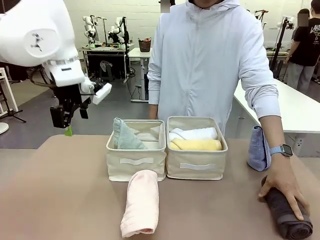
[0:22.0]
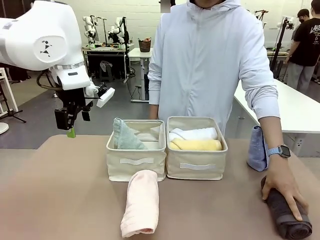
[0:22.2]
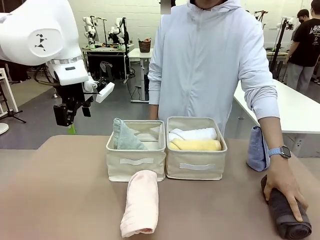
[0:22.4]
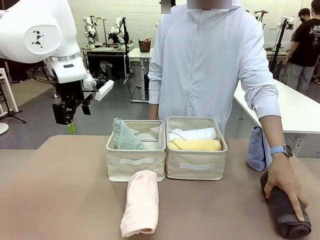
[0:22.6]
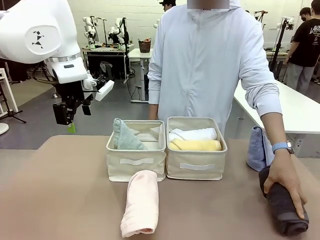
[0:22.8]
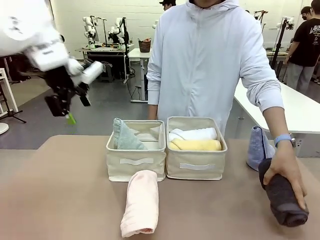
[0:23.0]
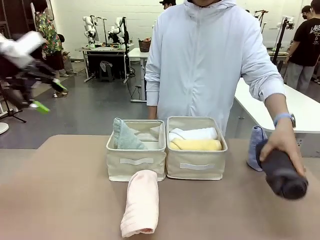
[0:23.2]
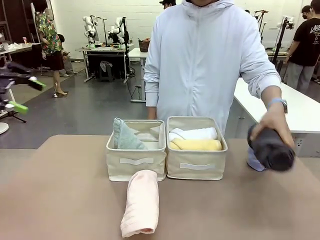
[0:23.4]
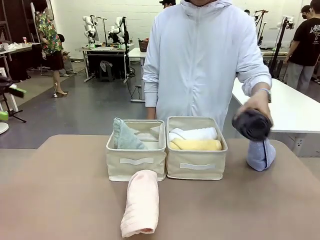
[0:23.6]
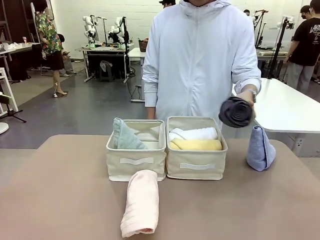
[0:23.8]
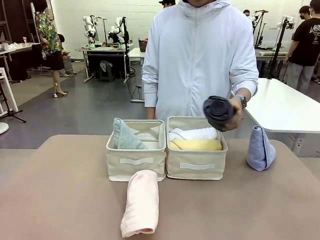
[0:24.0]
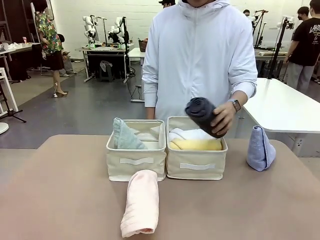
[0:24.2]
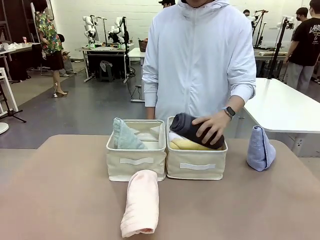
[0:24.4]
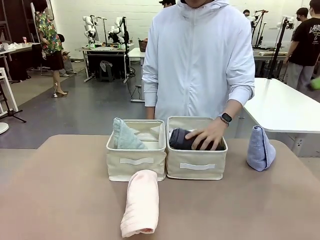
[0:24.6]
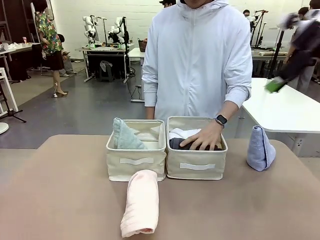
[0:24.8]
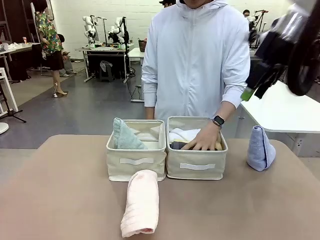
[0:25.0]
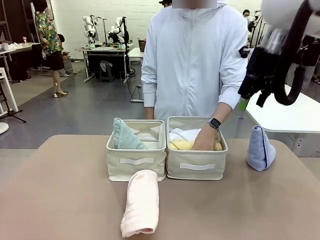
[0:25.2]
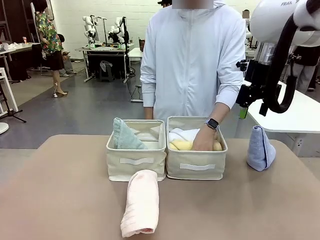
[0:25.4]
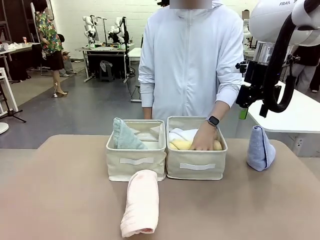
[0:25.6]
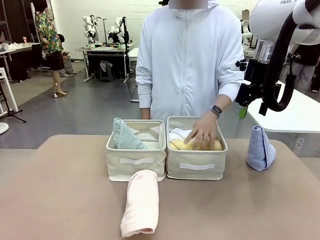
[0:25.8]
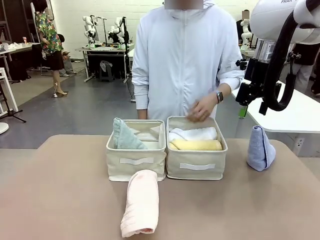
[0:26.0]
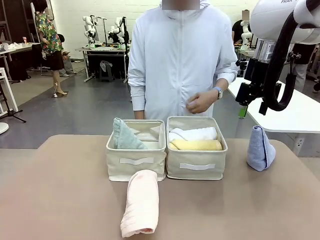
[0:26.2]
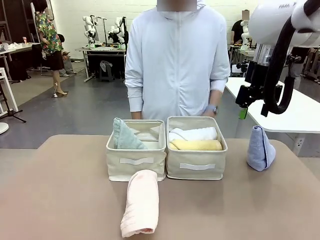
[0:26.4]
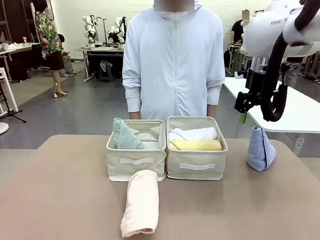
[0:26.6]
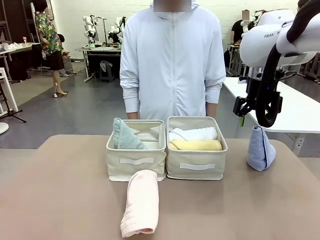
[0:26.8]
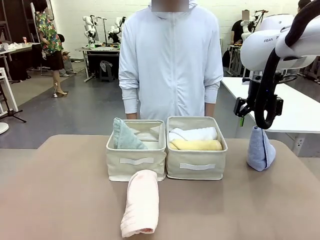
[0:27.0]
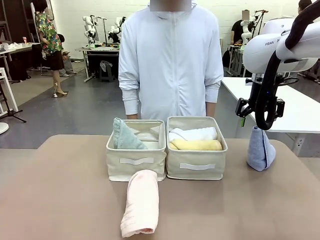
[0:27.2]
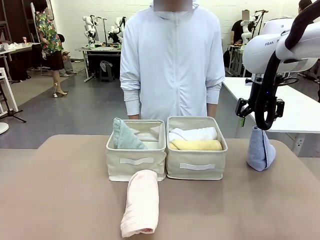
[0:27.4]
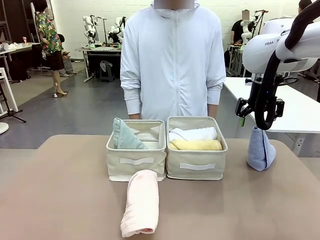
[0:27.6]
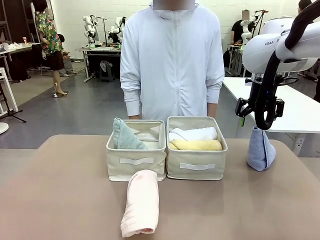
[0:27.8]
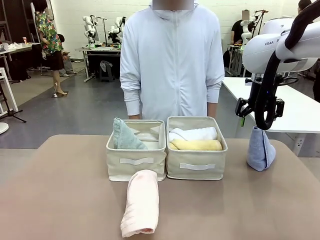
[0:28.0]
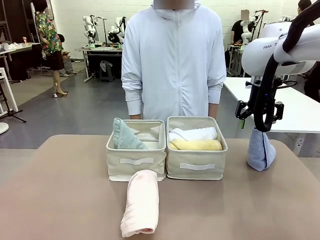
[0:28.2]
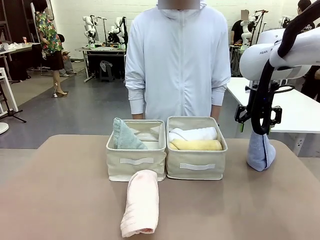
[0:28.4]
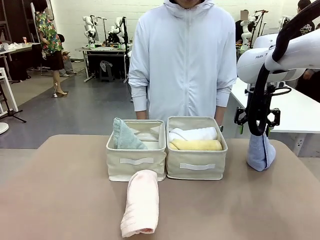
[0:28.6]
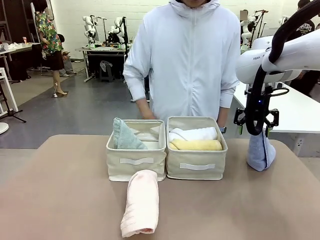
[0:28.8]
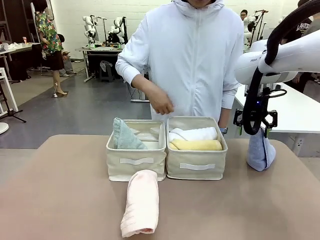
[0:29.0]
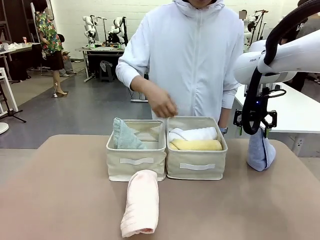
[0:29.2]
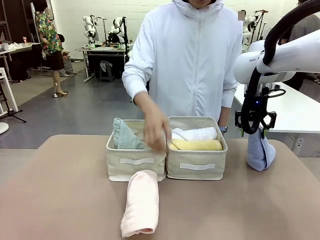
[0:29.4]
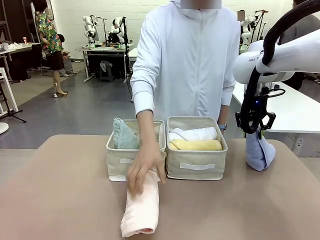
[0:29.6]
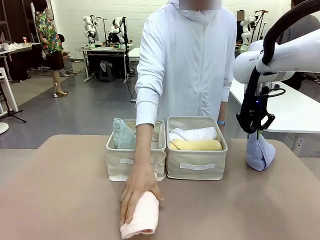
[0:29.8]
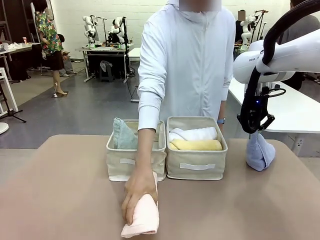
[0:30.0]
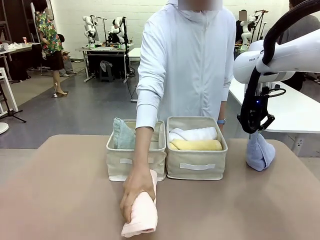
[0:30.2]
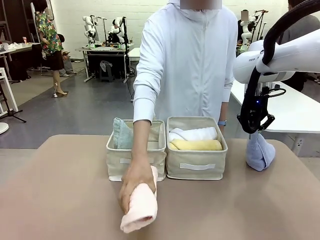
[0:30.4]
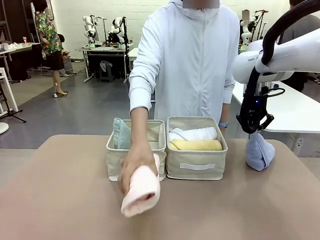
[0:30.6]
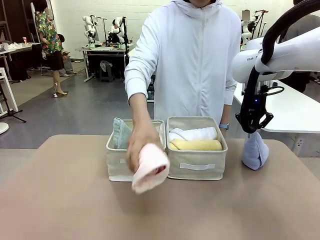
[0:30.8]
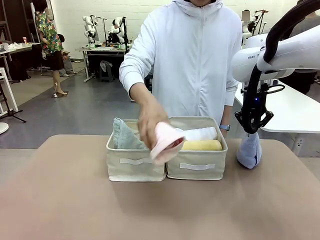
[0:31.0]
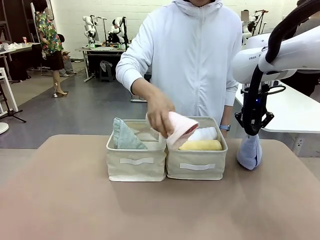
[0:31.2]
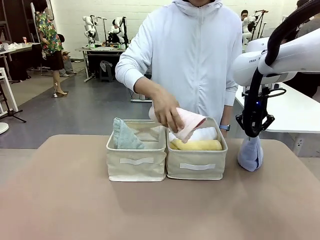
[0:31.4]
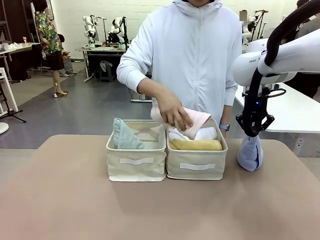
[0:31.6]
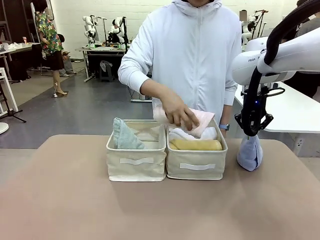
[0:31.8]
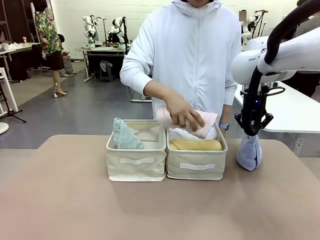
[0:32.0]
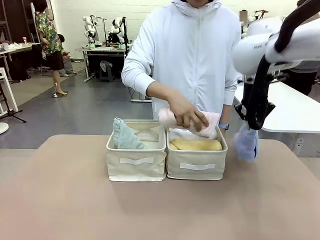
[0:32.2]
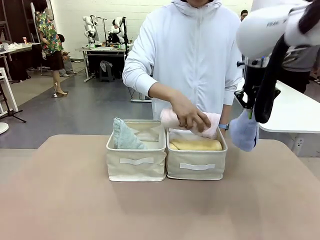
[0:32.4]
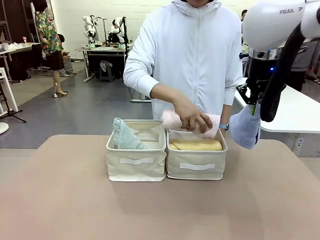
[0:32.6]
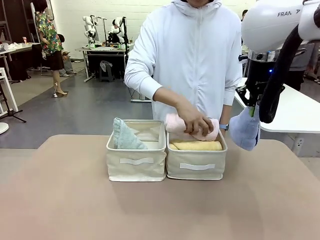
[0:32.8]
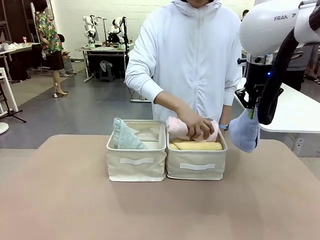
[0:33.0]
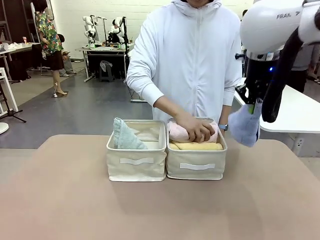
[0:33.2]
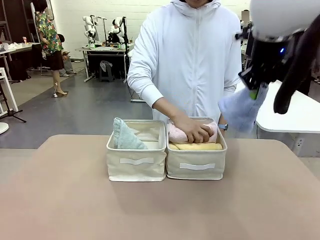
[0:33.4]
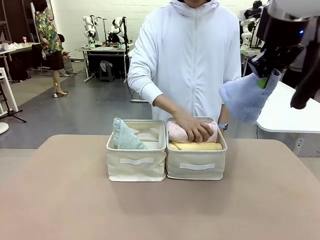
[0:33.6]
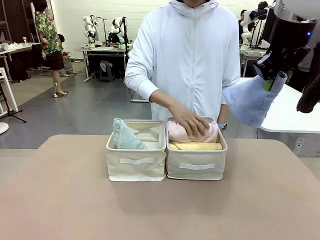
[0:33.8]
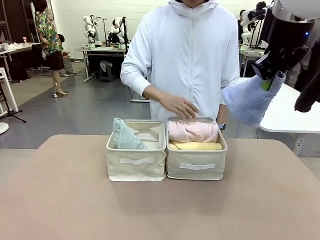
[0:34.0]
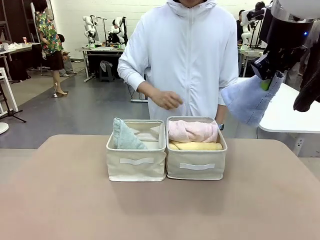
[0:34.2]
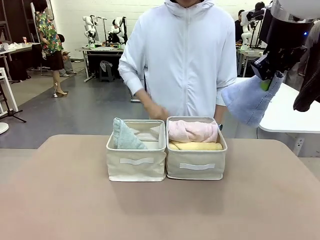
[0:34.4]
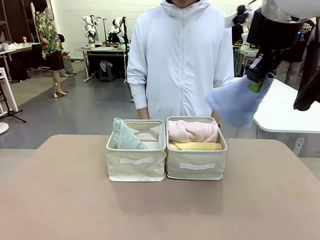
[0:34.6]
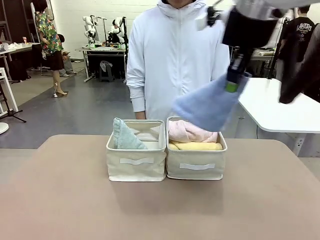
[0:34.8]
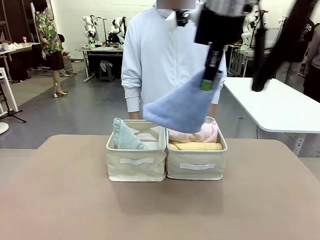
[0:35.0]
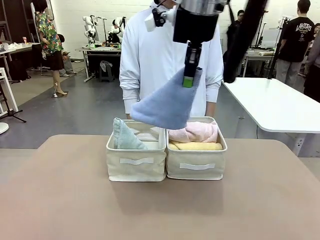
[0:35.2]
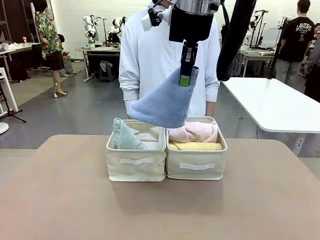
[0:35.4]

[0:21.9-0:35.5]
Task: Sort the towels based on their folding style.
Robot: Pick up another triangle-folded towel from the table and place it in the left Fabric basket.
